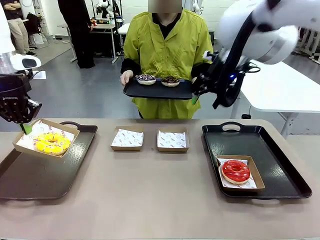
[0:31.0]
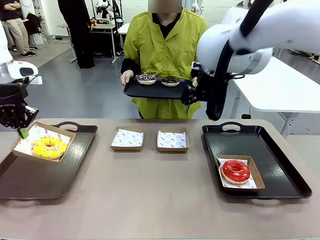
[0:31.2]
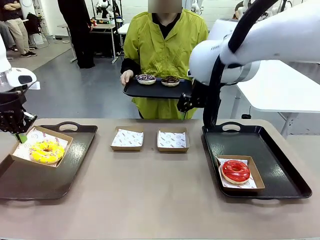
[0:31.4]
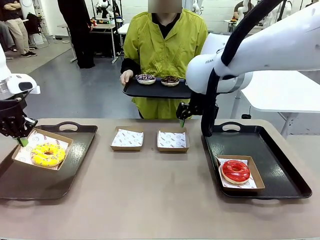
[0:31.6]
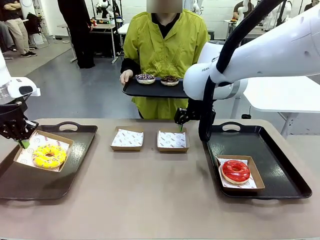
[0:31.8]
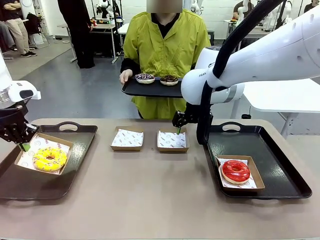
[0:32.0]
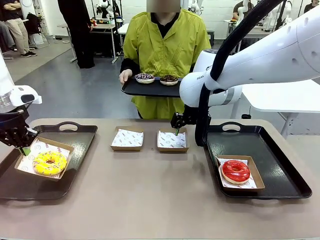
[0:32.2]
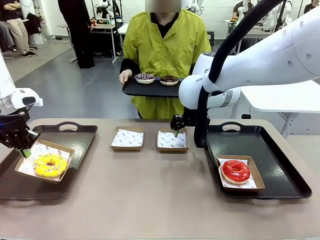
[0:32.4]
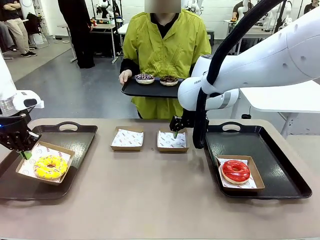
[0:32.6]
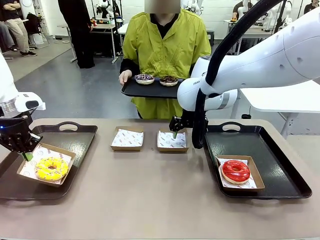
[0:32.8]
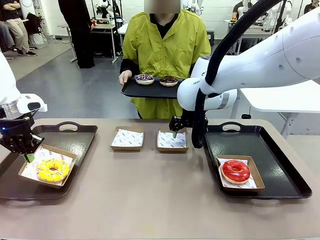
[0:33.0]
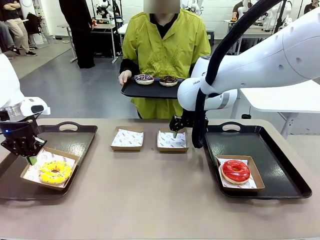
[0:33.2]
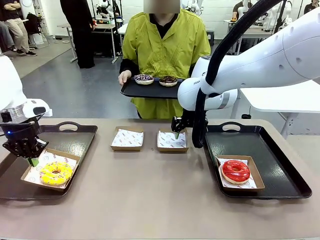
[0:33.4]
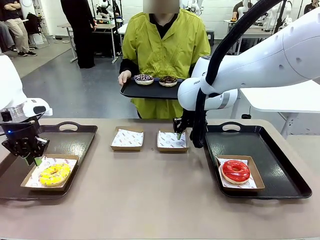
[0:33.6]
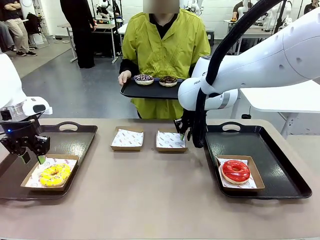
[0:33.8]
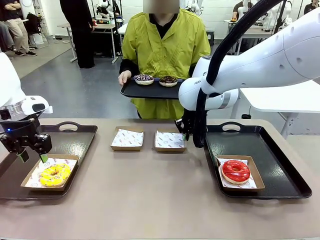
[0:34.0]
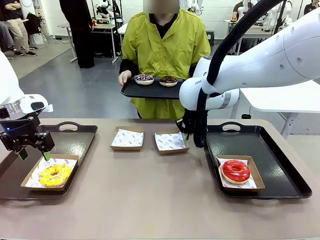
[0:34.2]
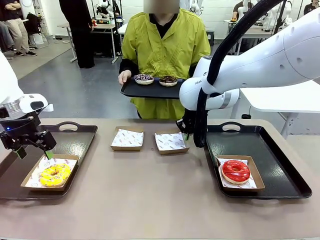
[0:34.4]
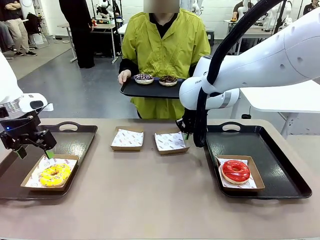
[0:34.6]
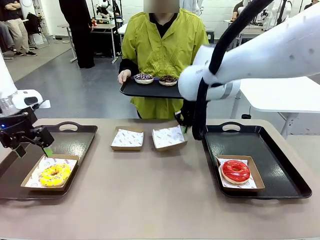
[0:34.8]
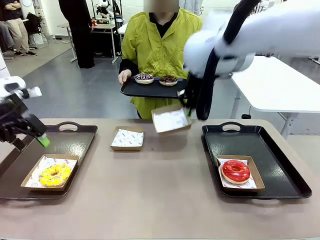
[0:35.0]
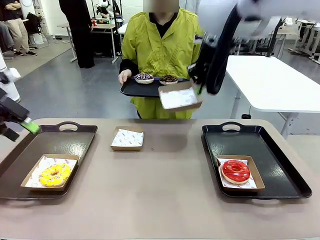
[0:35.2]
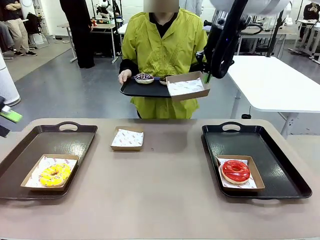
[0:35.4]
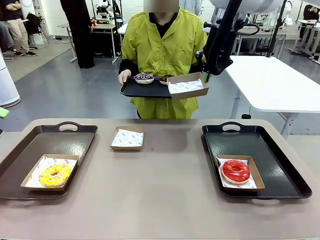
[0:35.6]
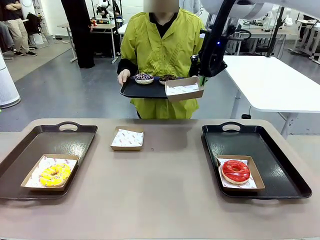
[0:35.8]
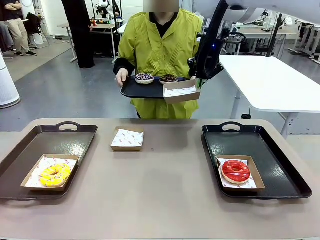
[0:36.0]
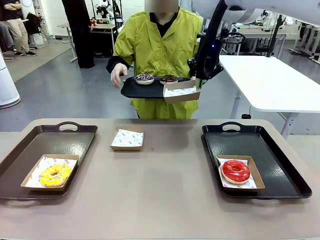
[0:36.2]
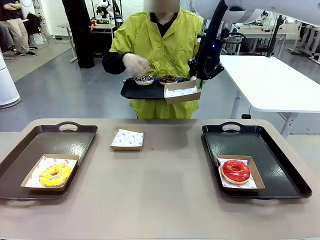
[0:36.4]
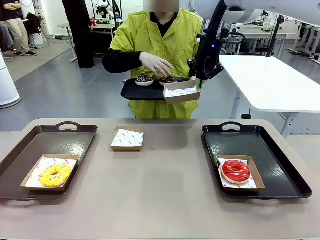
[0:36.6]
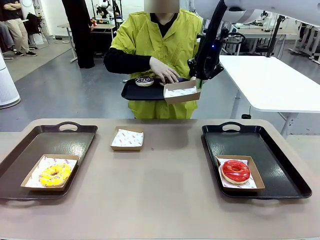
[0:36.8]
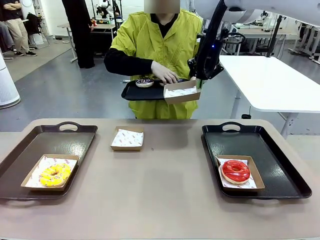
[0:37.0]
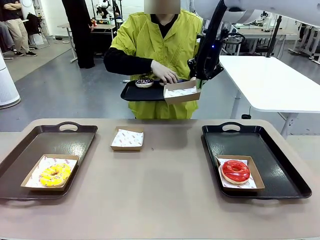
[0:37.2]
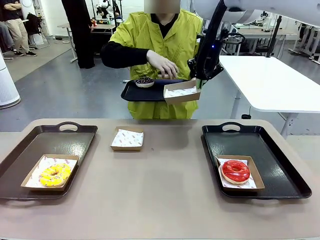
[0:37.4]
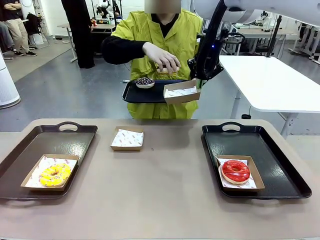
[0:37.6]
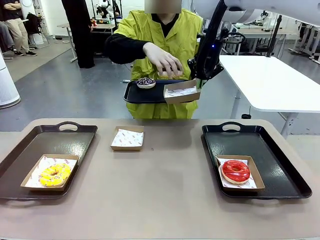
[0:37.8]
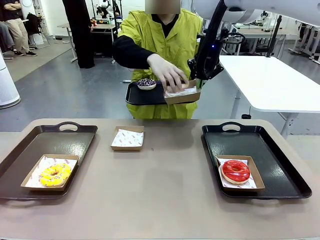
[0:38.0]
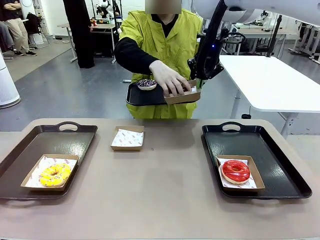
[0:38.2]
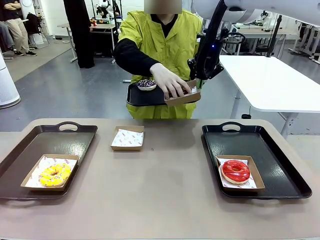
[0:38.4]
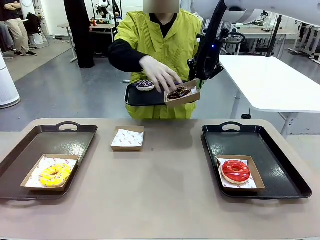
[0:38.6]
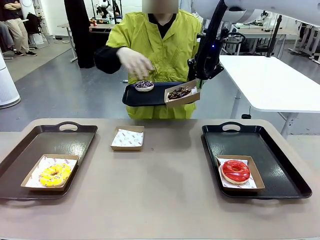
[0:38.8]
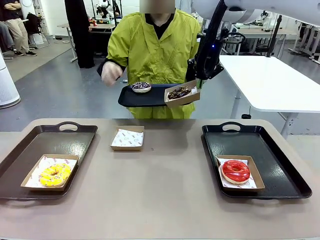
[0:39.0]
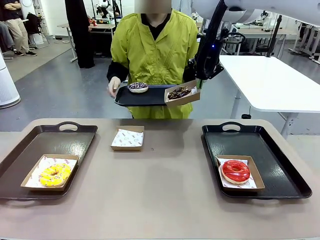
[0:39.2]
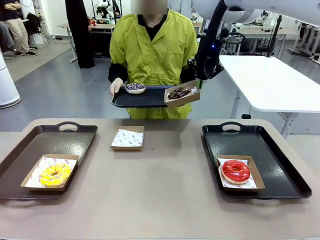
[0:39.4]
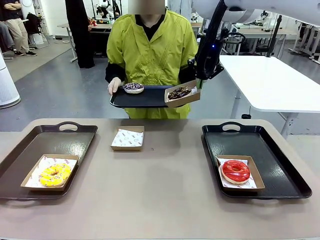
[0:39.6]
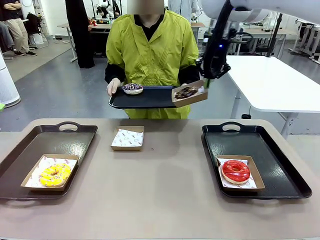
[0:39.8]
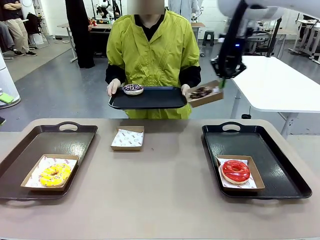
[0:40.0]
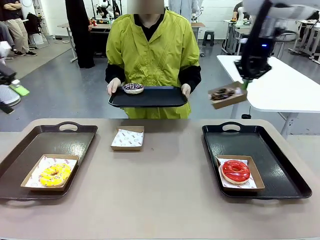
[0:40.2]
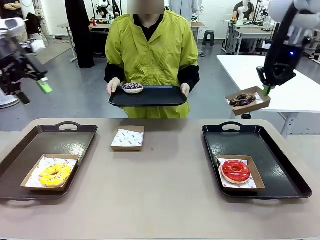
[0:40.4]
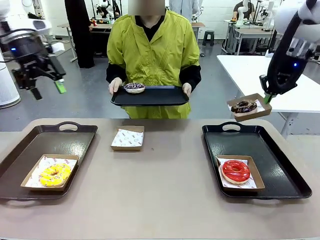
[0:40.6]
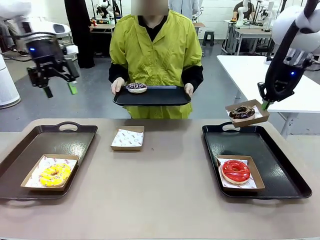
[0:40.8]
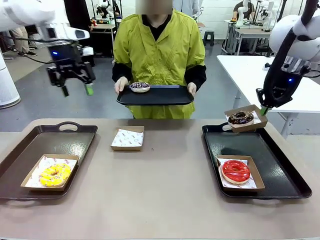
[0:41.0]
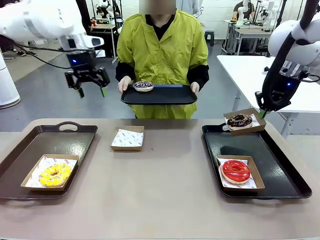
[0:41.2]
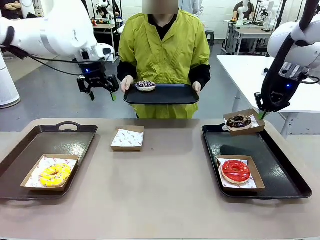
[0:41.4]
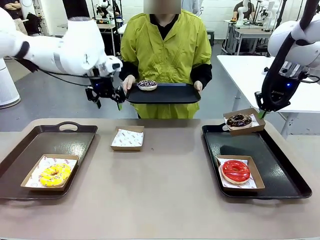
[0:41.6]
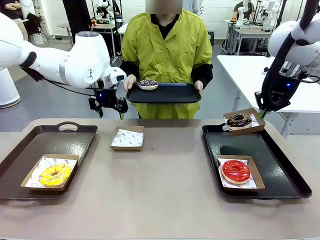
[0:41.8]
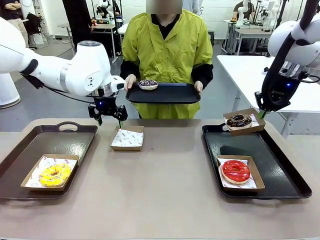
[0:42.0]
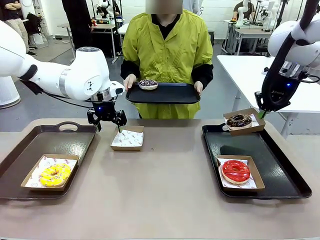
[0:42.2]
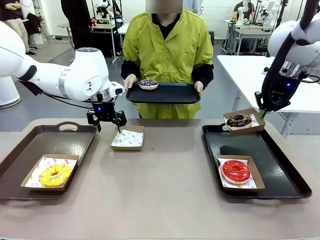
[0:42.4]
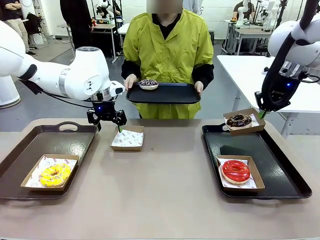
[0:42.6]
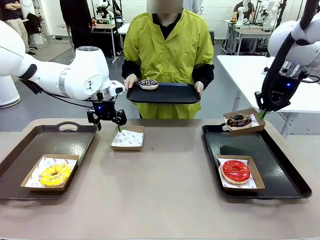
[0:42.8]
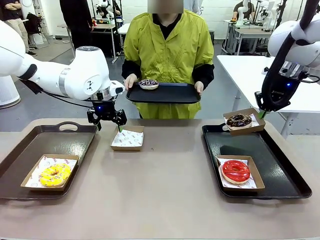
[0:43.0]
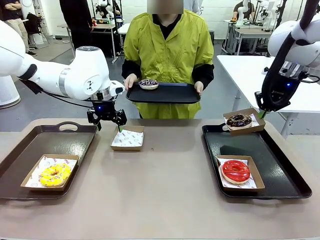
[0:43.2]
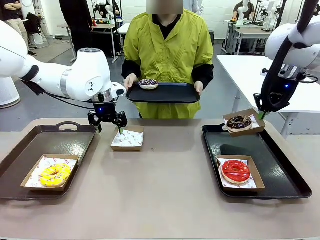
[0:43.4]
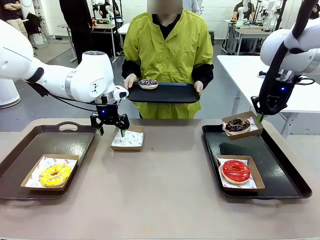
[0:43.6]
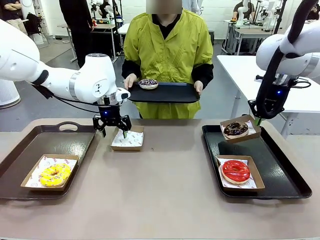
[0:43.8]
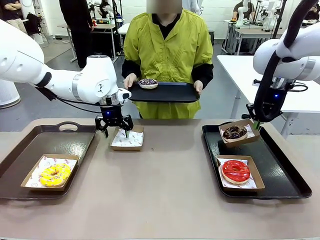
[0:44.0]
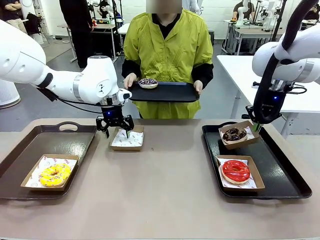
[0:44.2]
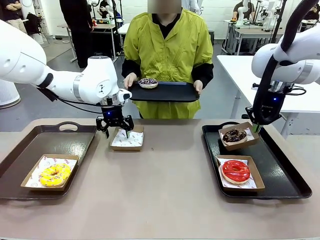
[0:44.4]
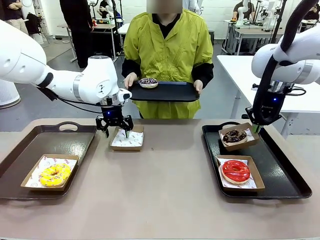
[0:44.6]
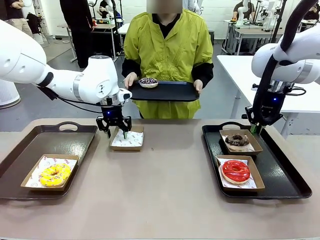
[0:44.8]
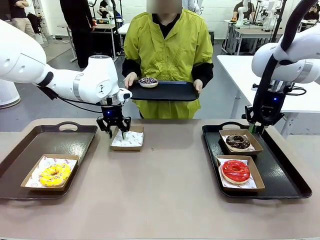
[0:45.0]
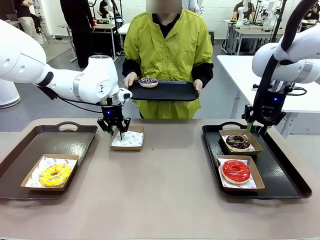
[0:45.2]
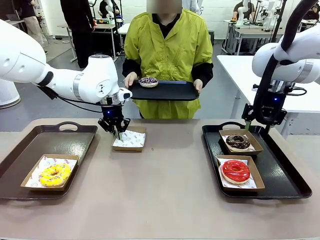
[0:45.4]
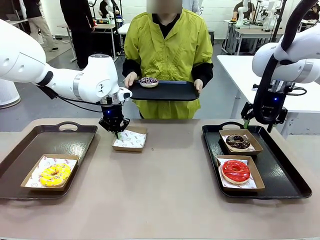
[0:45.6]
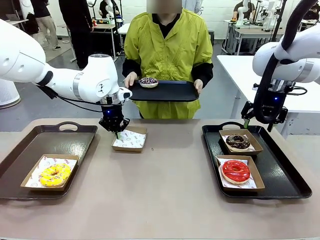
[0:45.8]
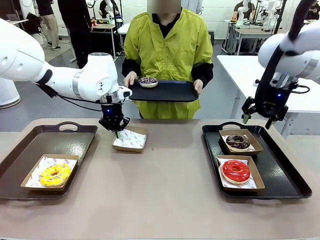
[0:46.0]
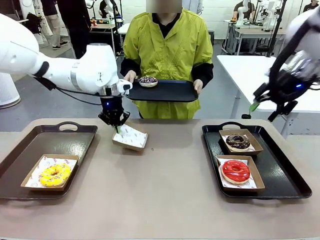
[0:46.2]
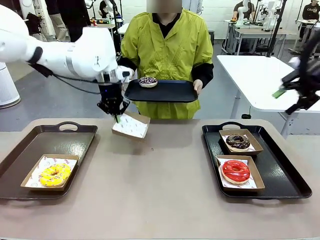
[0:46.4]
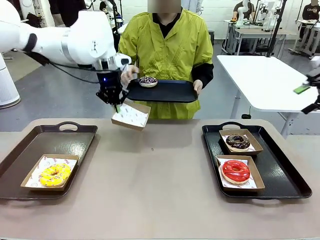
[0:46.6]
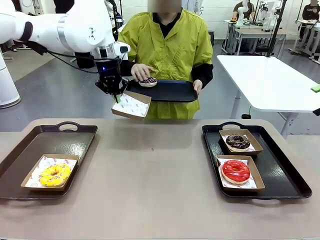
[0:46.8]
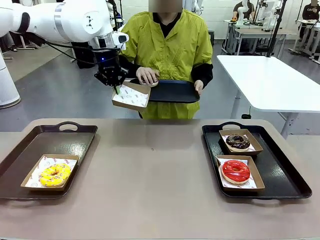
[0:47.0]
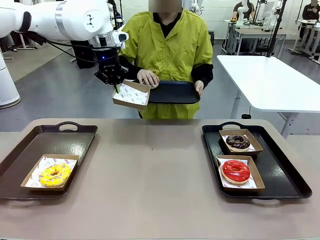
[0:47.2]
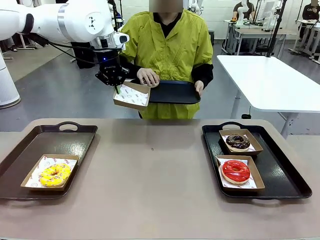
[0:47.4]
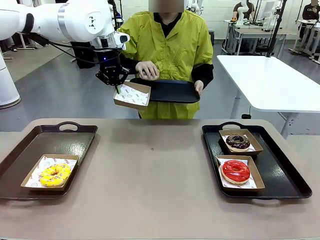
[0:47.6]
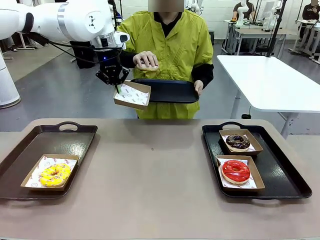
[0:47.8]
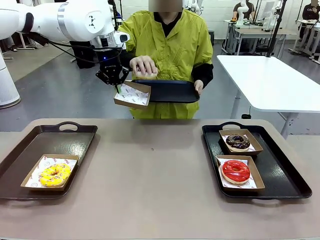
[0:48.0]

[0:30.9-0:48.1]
Task: Individually package the donuts and arrange them on the tray.
Robot: Place the picked Paper togo box on the Handle tray while simultaneously picking up another Paper togo box from the table with the other hand.
